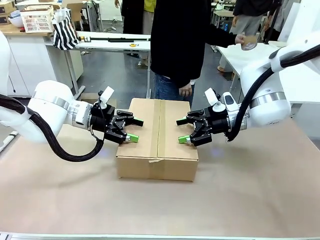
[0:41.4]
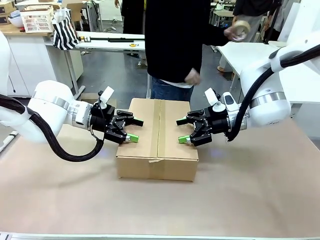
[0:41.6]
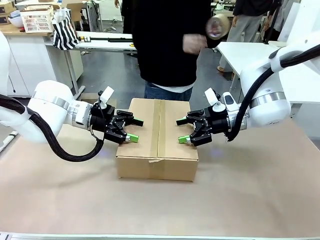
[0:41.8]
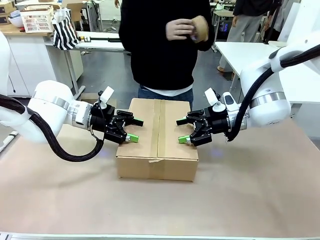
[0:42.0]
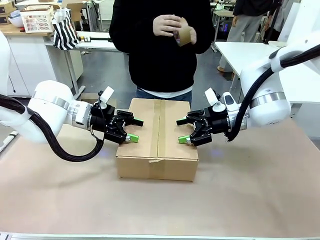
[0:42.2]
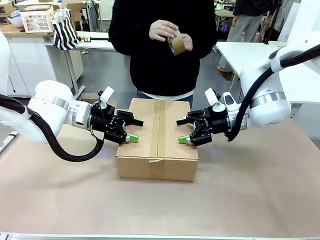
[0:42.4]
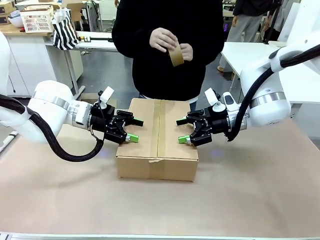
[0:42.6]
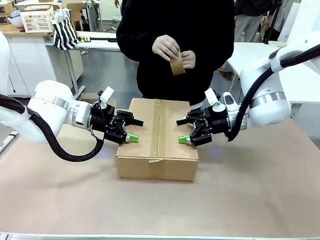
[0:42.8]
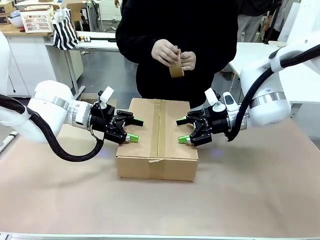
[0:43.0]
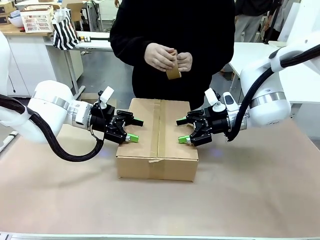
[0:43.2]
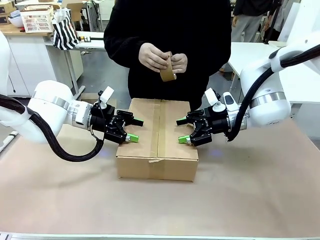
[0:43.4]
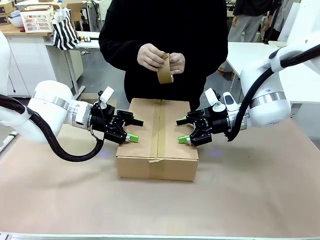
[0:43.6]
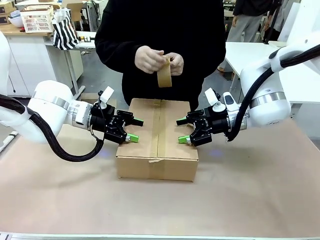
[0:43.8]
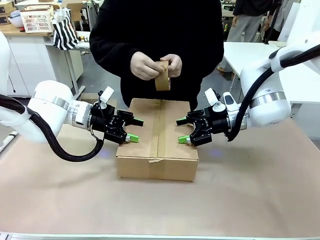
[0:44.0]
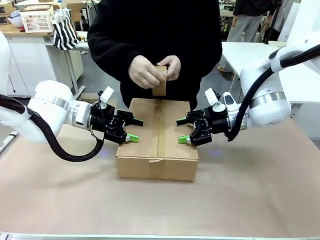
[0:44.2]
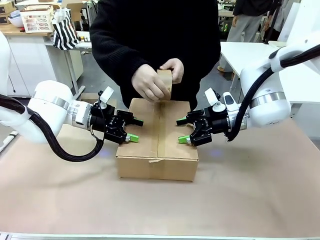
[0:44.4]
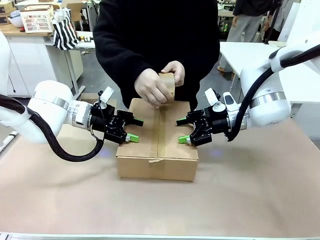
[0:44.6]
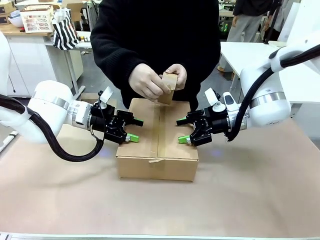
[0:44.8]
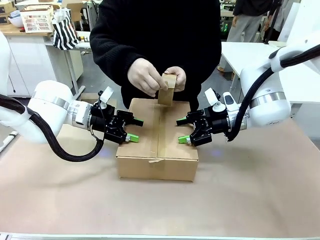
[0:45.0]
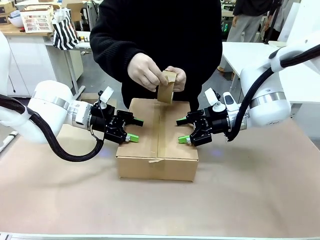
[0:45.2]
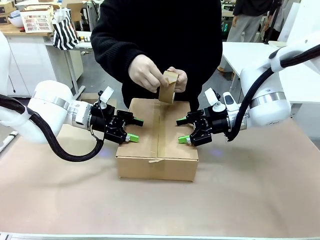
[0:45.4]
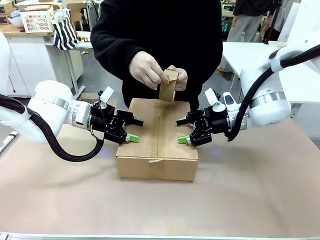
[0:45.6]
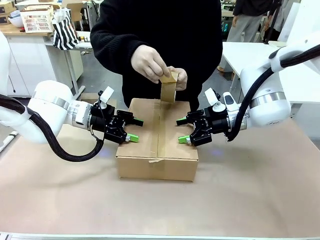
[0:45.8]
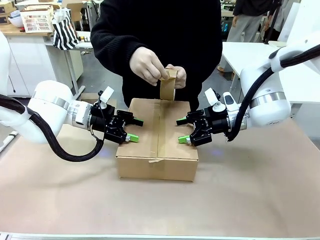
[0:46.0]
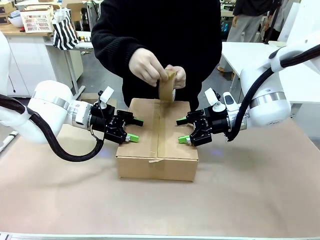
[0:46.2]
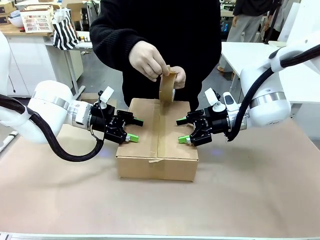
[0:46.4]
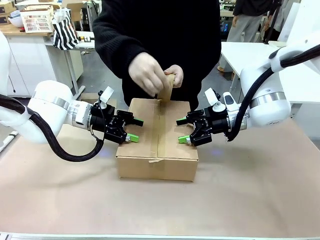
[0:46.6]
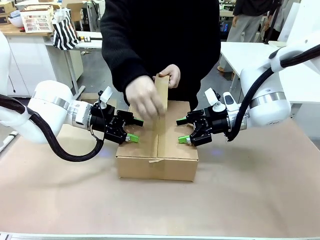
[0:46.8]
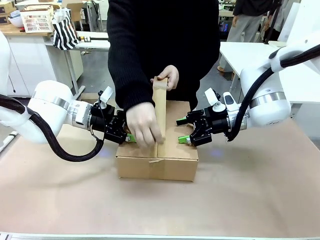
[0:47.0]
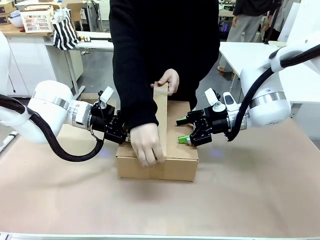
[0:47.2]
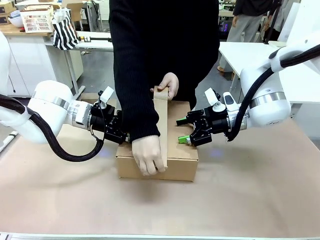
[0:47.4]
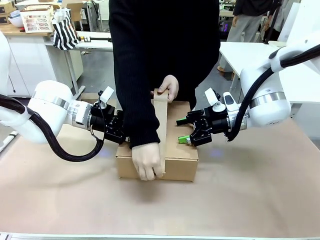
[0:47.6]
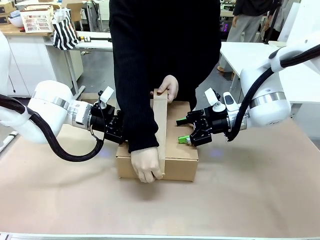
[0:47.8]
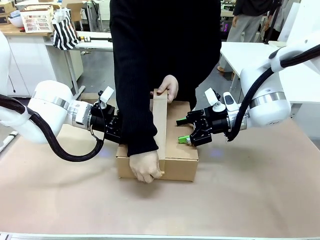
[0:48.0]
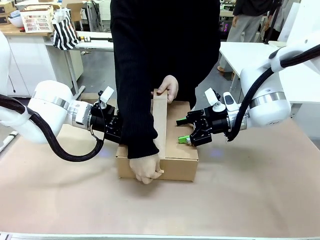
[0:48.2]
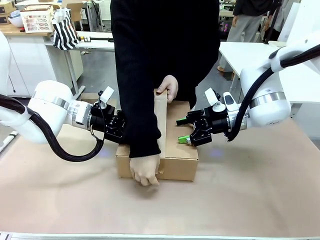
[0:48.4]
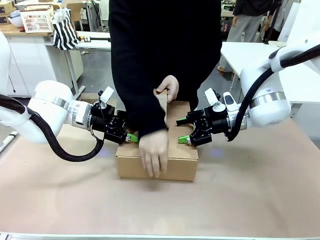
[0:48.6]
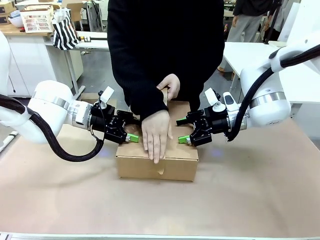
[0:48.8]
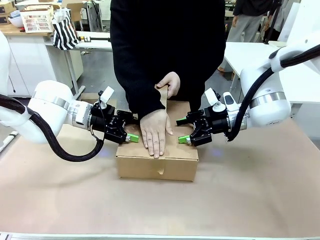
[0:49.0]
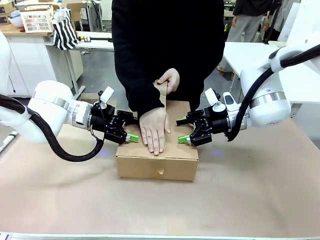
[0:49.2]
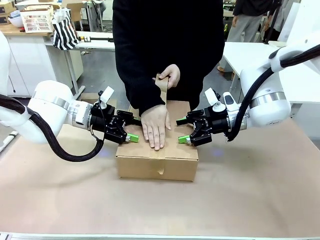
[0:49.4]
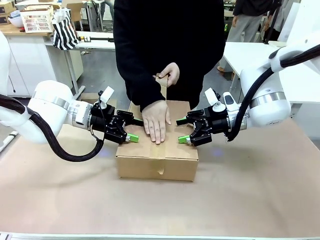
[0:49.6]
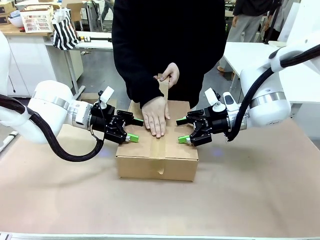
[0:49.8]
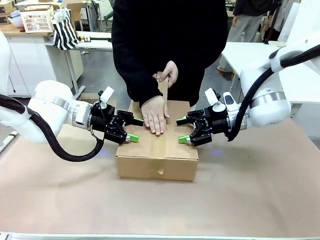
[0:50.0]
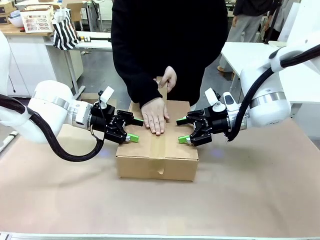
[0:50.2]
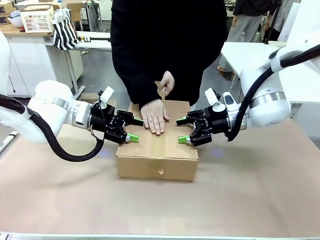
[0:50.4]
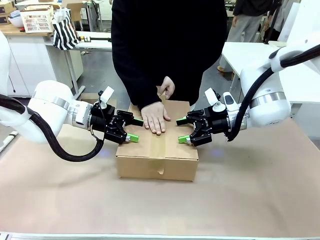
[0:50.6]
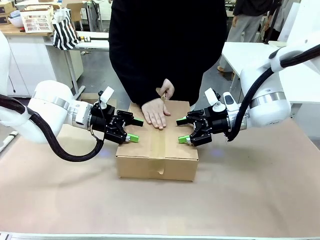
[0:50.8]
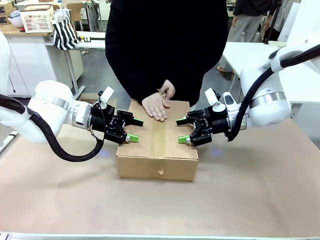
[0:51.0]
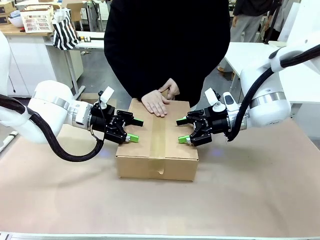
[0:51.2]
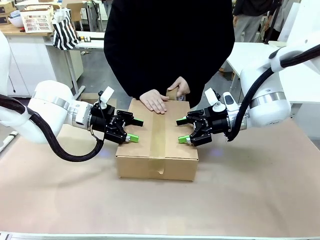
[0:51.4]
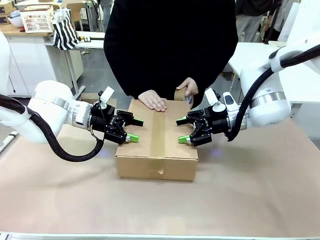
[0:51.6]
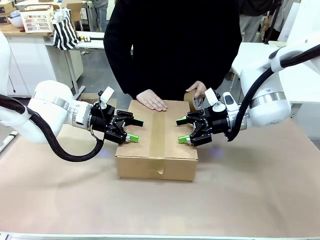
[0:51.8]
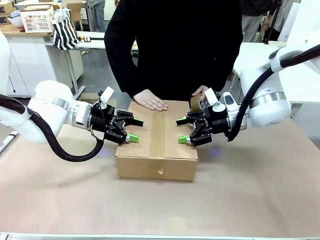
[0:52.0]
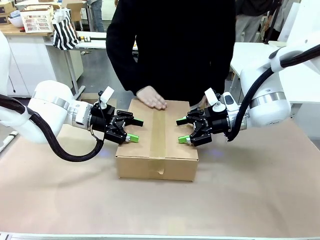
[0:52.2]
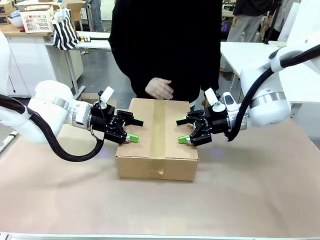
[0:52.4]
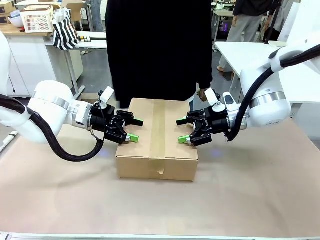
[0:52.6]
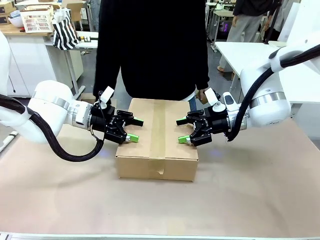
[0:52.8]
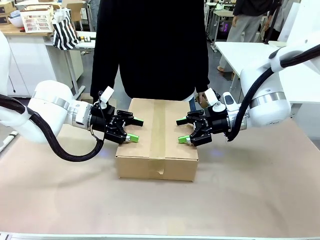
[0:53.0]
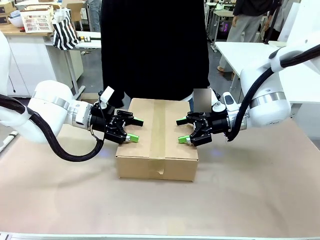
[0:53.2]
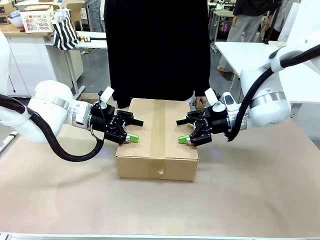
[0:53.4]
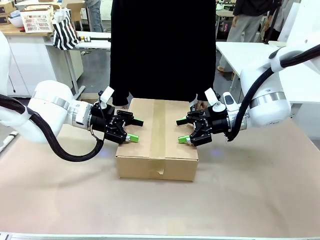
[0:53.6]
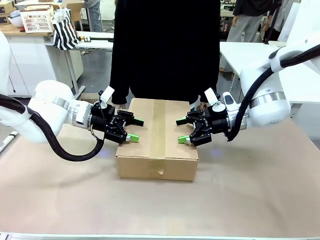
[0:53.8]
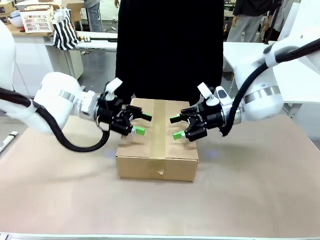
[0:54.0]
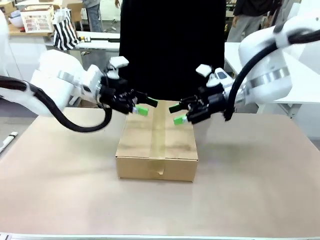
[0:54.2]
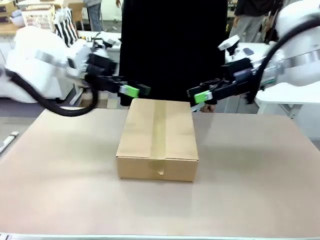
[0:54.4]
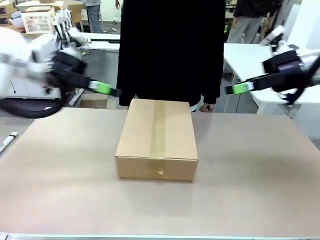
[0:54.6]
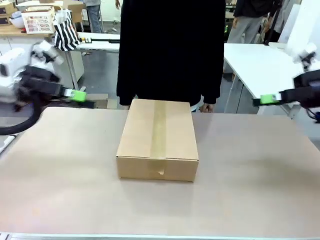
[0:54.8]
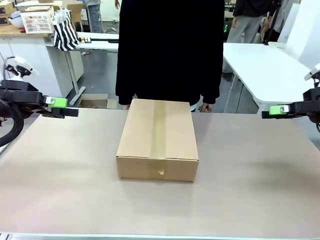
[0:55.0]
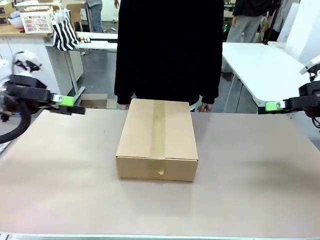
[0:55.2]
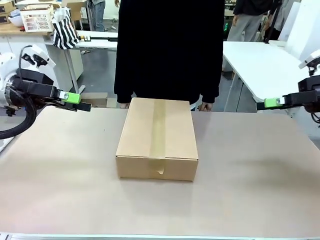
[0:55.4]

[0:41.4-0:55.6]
Task: Pack the gift set into the box.
Robot: Press and hold the closed box until the human finishes sealing it.
Person: The human picks up the paper tape from the human table and packs the box.

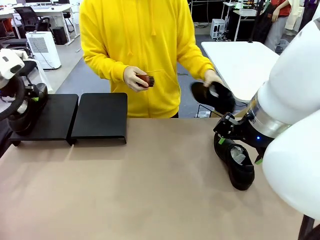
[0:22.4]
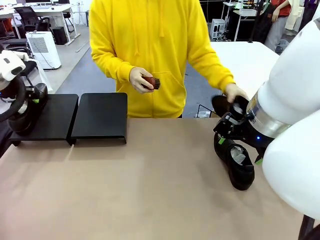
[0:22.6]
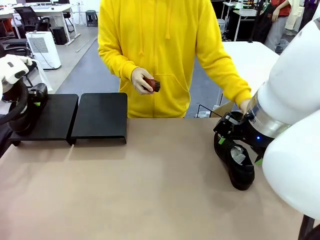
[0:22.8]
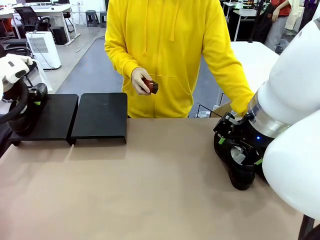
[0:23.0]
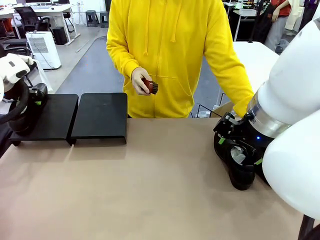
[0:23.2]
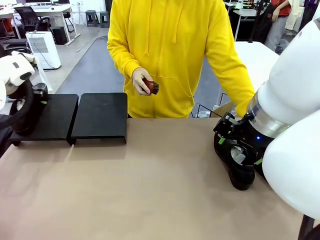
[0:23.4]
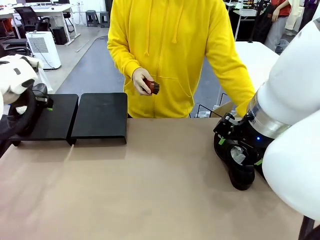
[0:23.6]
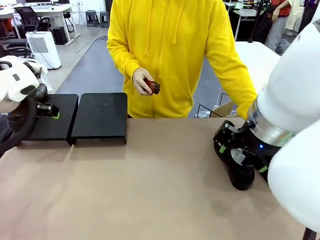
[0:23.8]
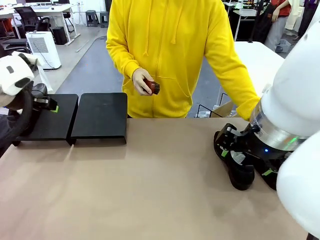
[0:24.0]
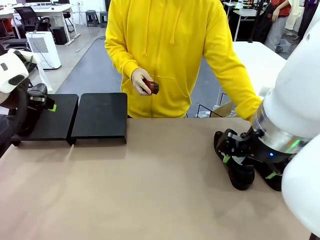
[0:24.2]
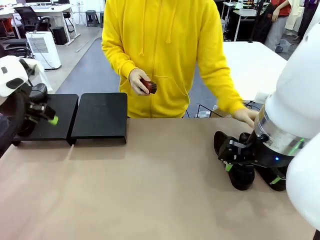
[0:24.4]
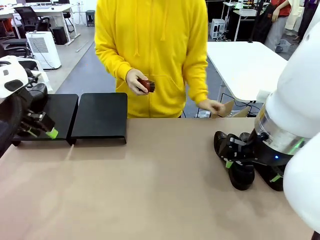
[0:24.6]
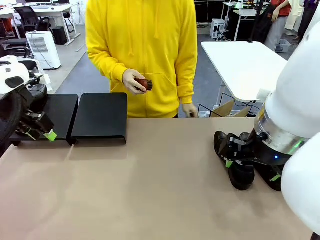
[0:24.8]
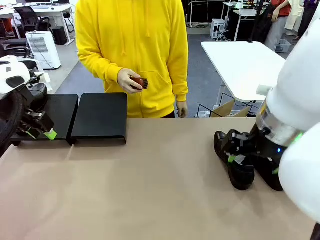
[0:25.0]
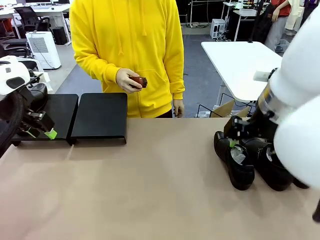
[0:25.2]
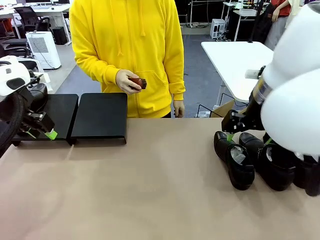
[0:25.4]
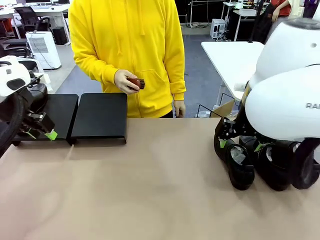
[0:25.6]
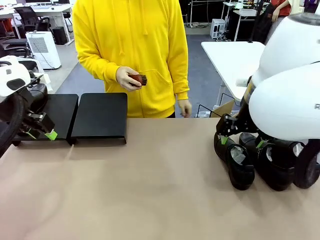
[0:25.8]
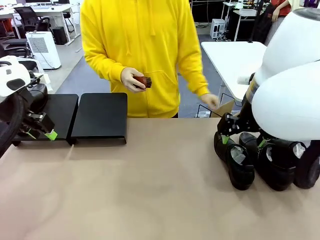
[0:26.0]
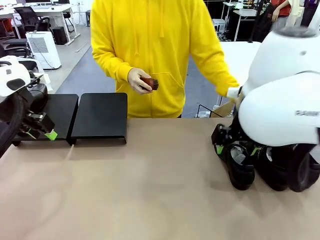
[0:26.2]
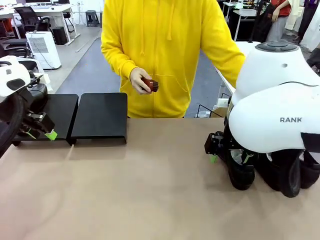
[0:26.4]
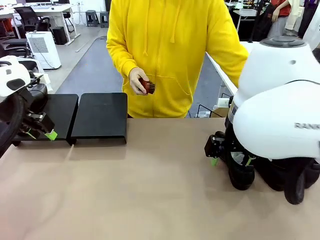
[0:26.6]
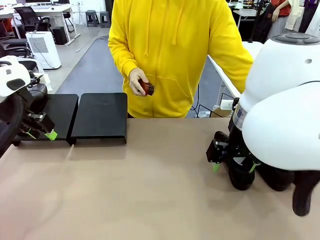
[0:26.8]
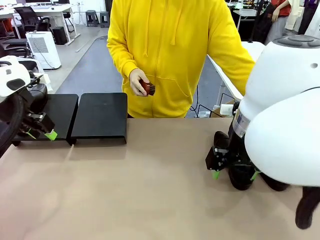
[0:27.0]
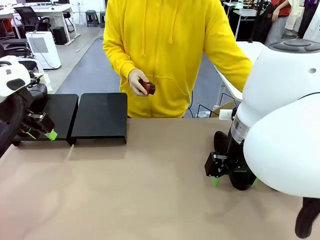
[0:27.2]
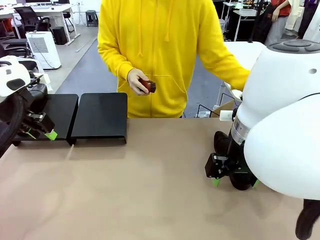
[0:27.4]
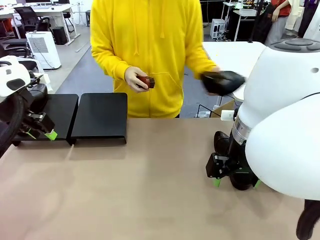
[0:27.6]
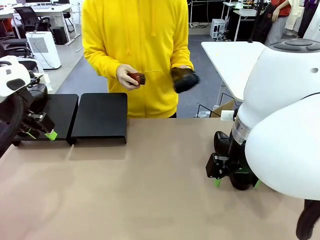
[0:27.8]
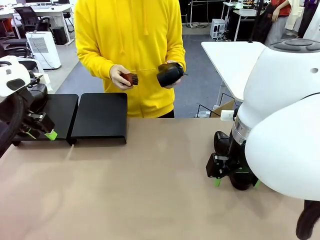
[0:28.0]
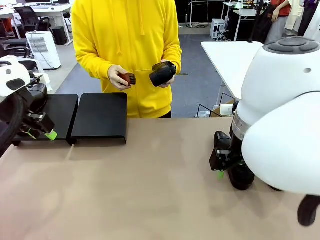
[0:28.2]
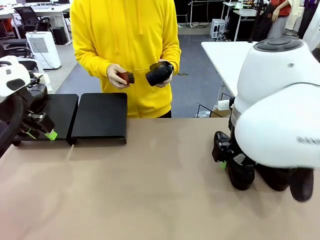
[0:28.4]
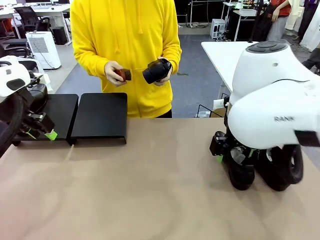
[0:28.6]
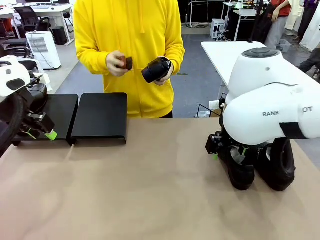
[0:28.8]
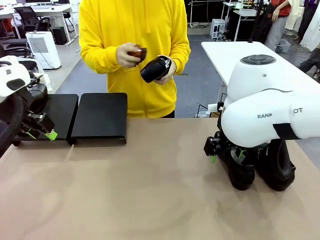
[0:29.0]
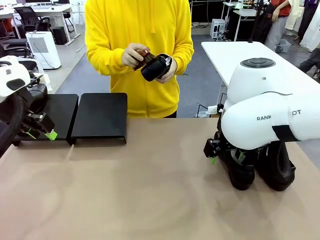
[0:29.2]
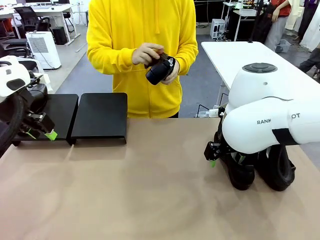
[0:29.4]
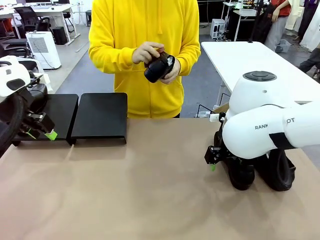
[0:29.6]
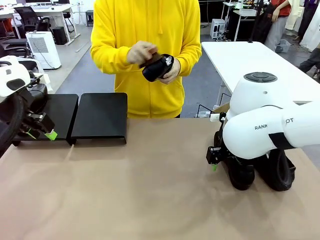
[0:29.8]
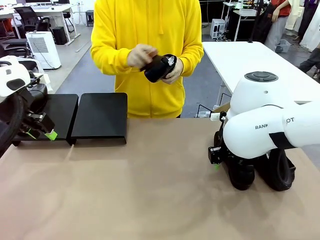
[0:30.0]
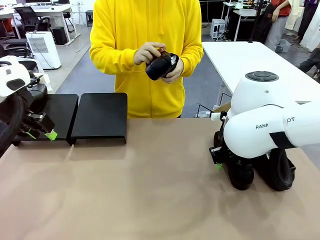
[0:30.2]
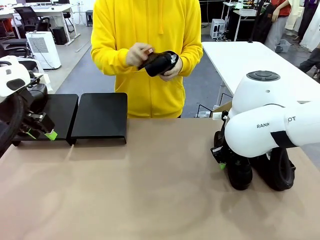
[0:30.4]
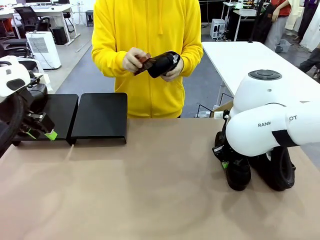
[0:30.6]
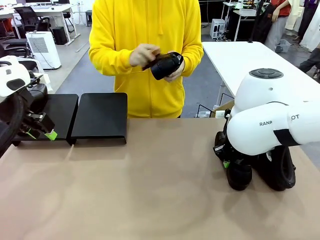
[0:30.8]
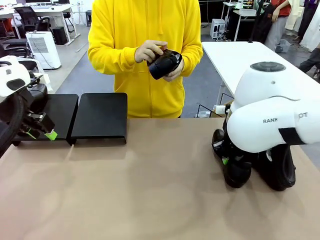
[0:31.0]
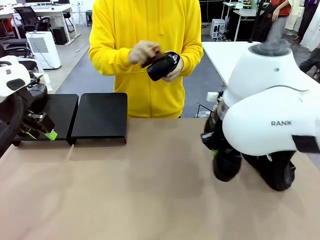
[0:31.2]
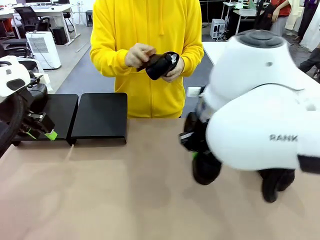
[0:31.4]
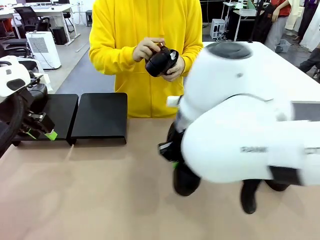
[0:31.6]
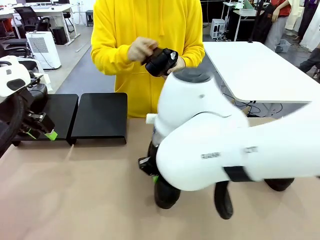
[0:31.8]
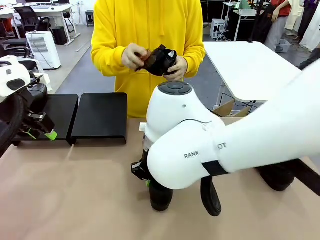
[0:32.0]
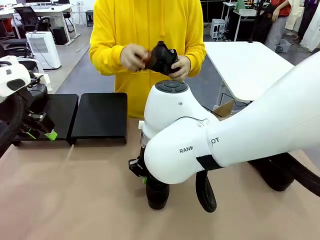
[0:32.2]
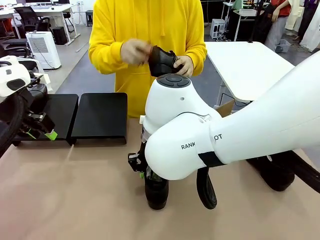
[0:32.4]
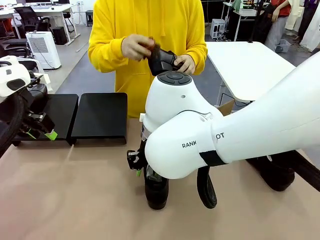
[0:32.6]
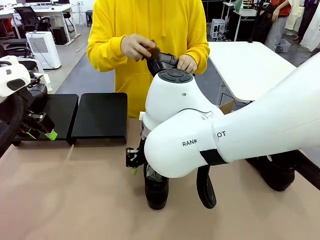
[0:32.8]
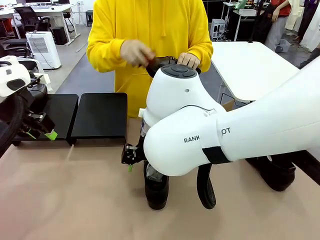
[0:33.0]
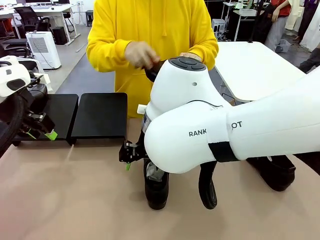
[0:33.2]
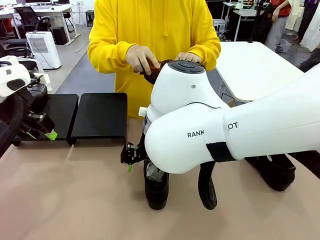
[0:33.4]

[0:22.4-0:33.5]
Task: Organize the shoes by placing them on the stand.
Robot: Pick up one Shoe and place it in the middle of the table.
Person: Place the Shoe on left side of the Robot's table. Pick one Shoe on Robot's table.
